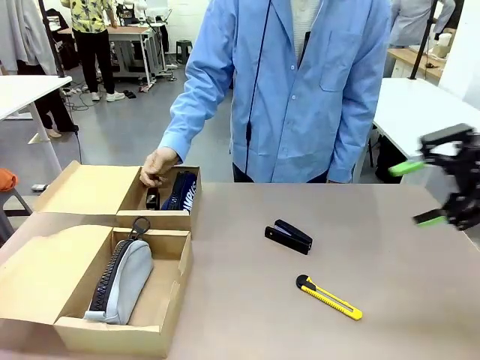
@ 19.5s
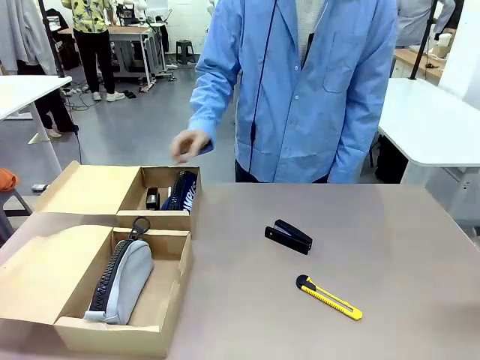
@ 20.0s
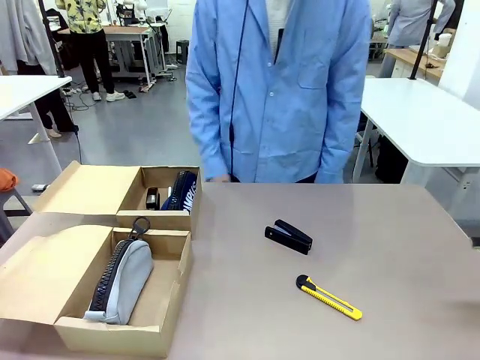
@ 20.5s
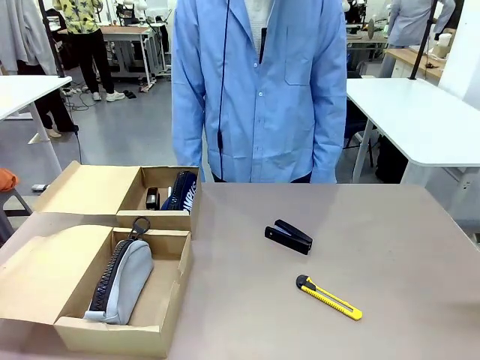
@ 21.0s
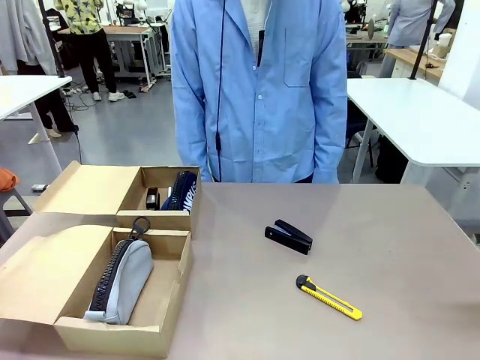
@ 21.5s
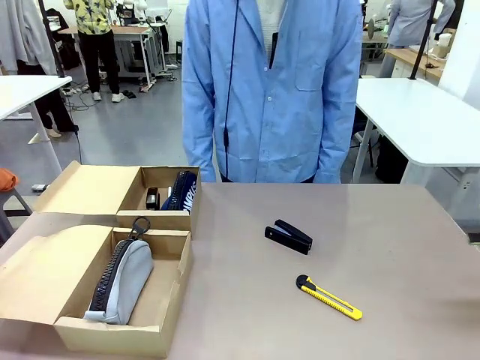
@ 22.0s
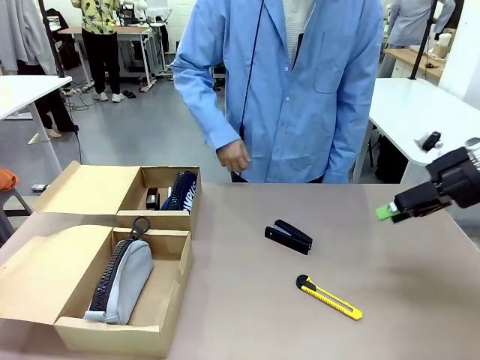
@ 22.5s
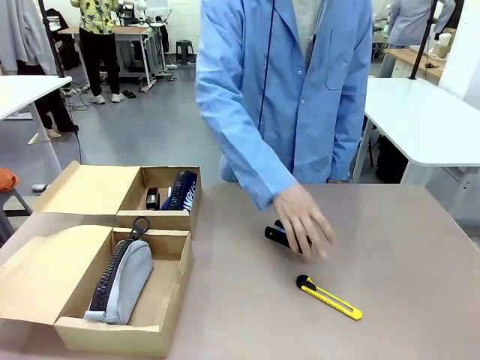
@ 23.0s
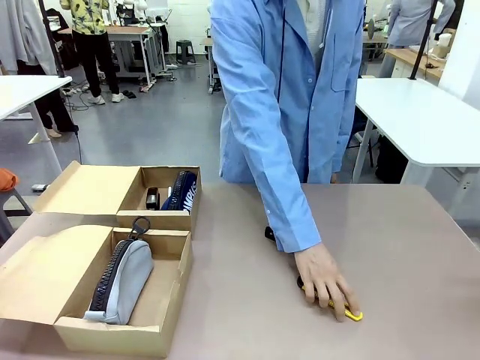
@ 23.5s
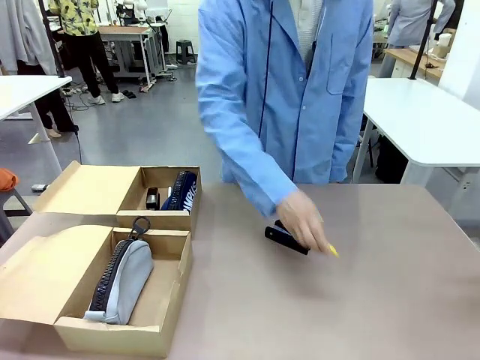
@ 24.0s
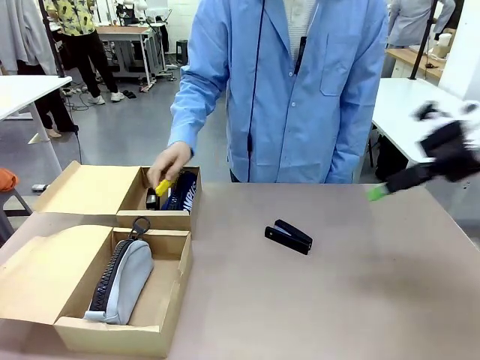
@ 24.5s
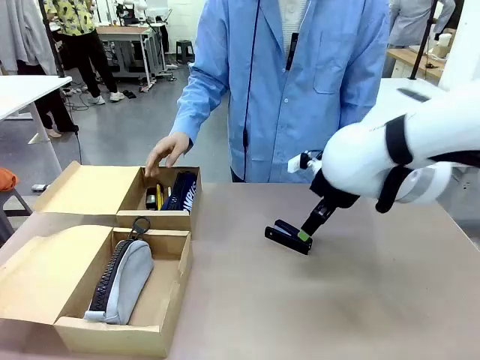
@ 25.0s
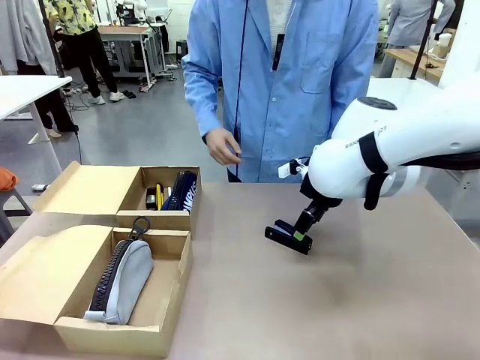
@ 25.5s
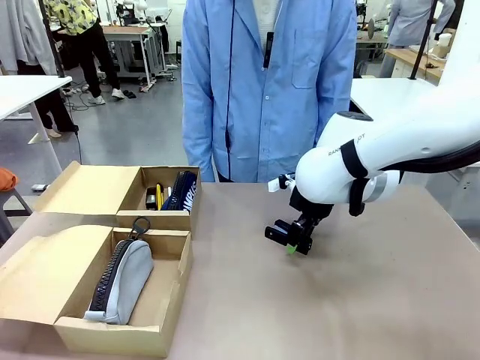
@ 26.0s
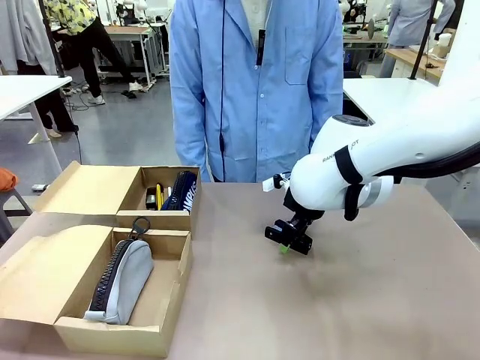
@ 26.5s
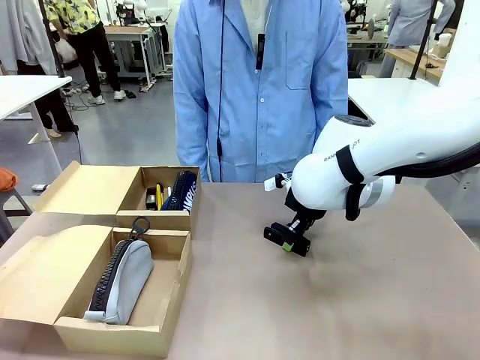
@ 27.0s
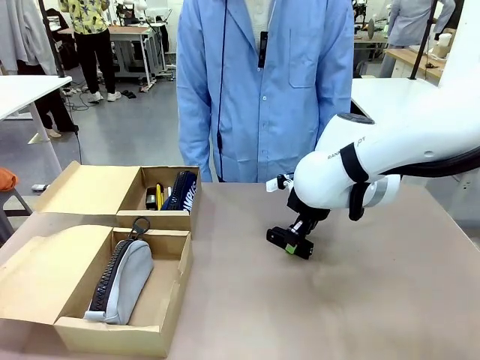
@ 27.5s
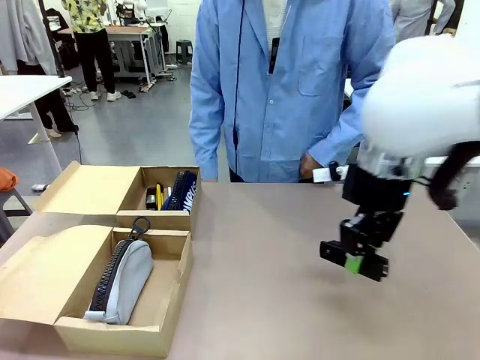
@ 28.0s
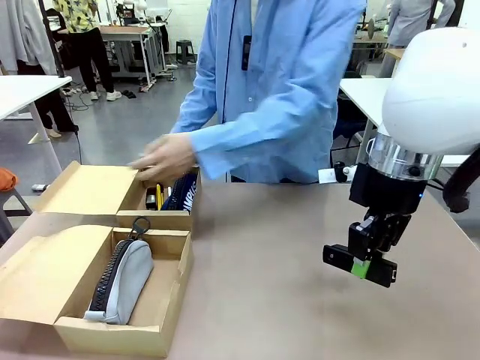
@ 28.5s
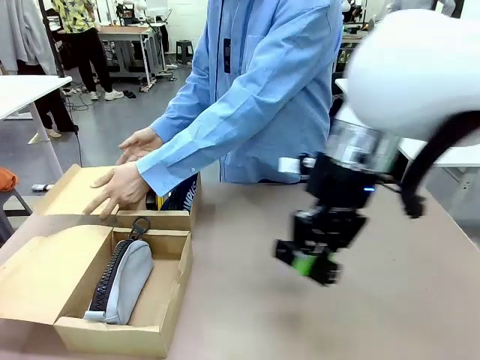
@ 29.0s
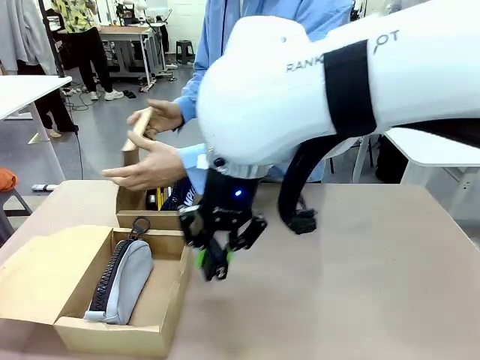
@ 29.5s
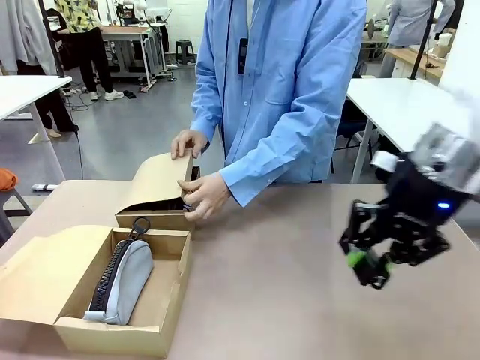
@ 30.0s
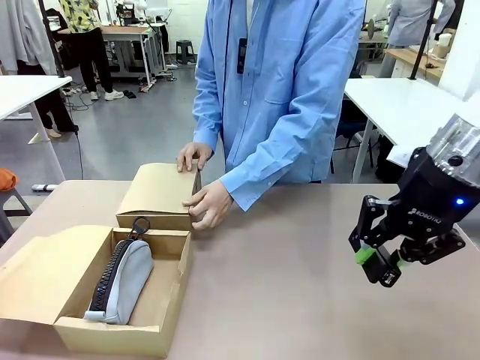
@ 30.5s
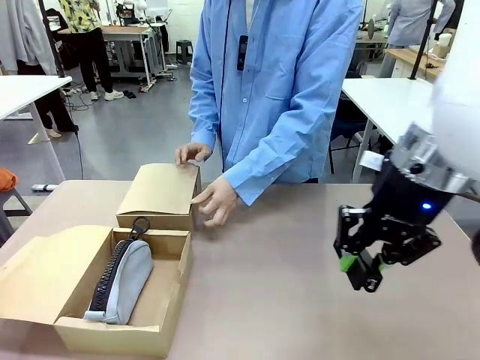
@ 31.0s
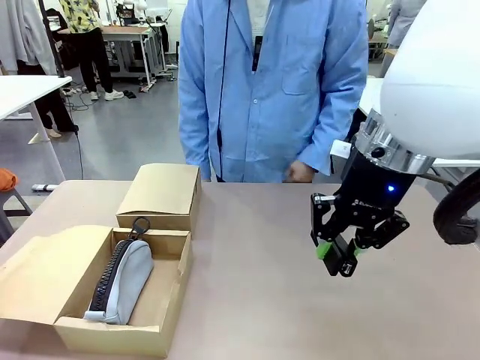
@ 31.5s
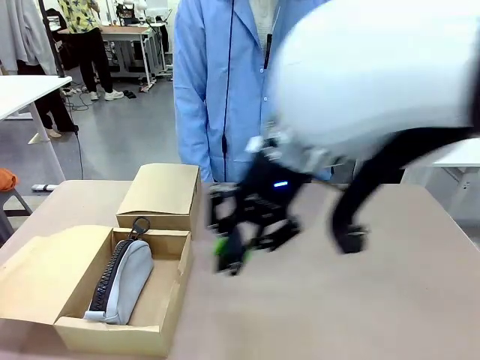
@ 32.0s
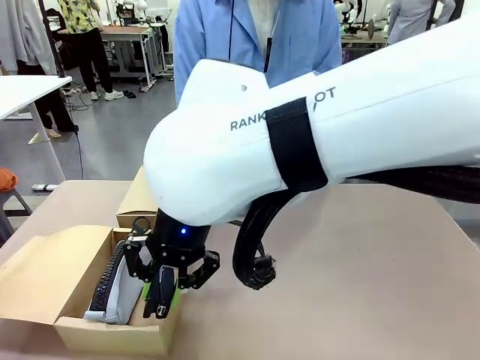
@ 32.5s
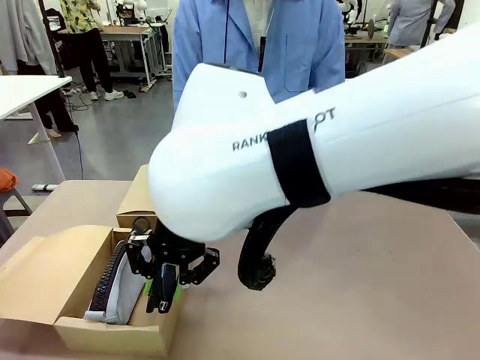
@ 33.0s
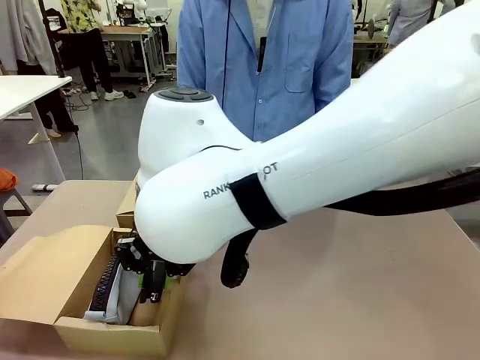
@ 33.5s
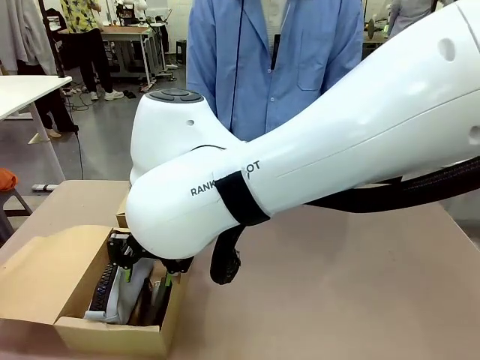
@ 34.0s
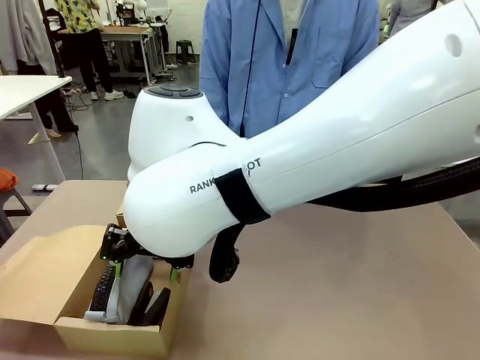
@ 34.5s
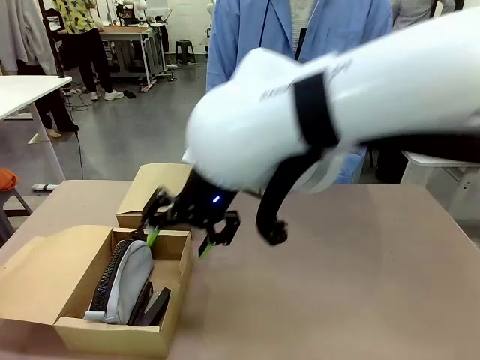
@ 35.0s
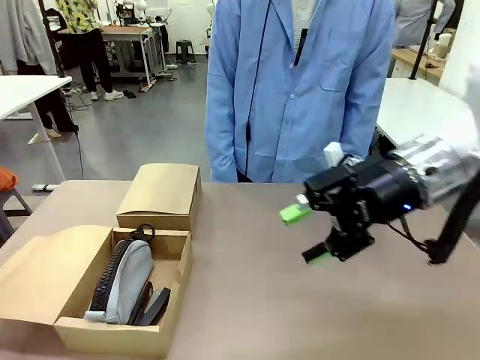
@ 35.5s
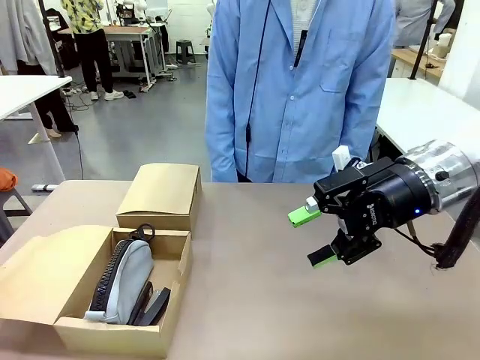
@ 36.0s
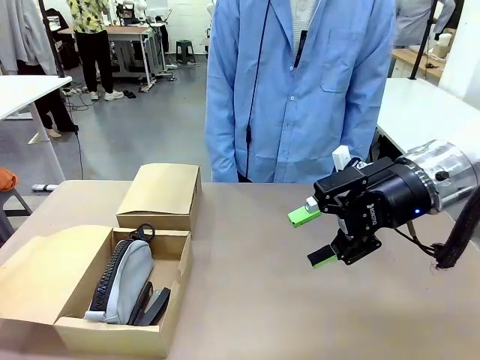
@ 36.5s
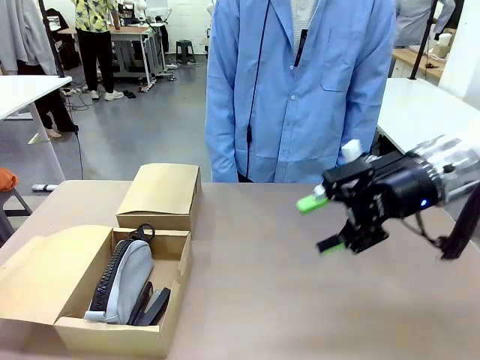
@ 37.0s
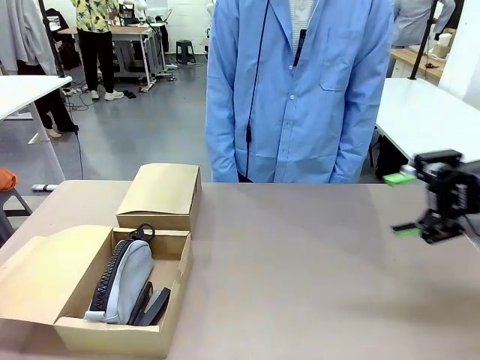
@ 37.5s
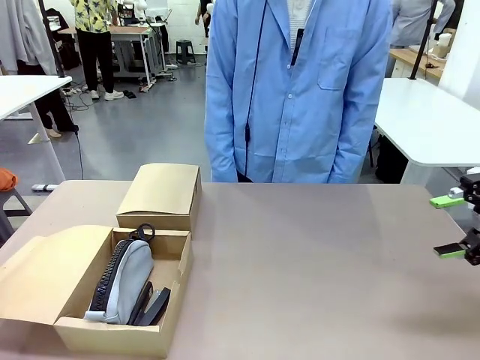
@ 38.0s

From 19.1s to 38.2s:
Task: Place items inside the box.
Robot: Pick up a Pencil pouch or Stapler and place it inside the Mailer Box closest to the robot.
Person: Close the lid of the box facing the person.

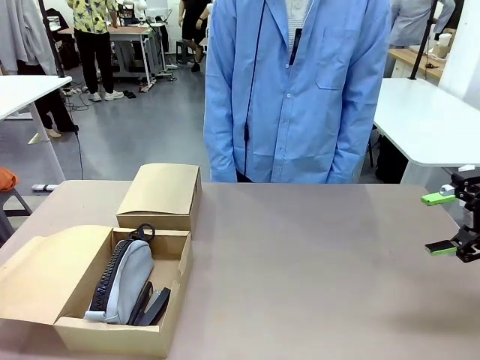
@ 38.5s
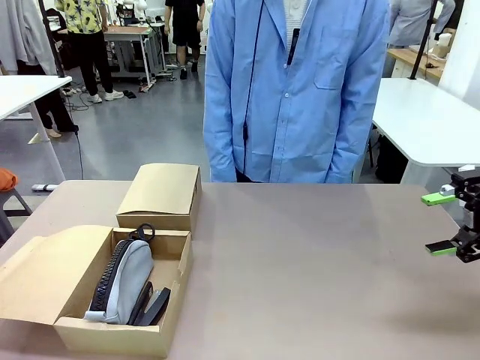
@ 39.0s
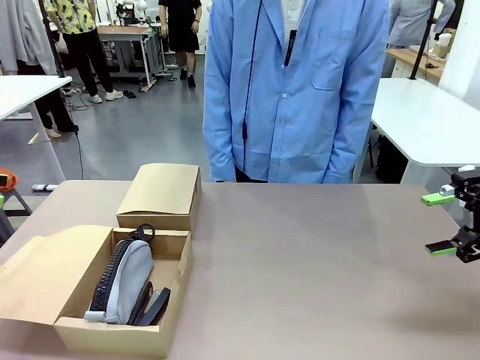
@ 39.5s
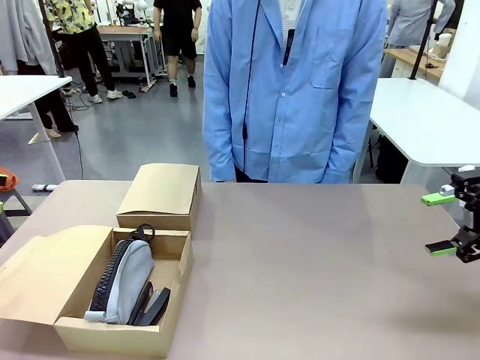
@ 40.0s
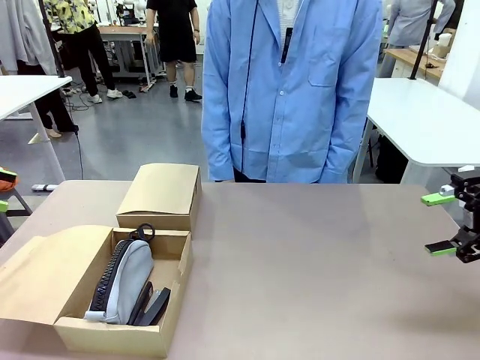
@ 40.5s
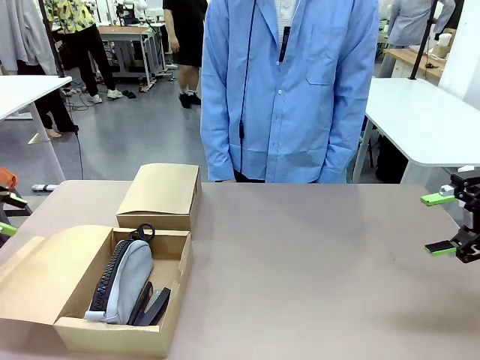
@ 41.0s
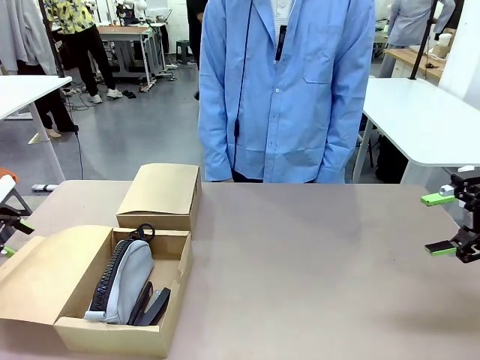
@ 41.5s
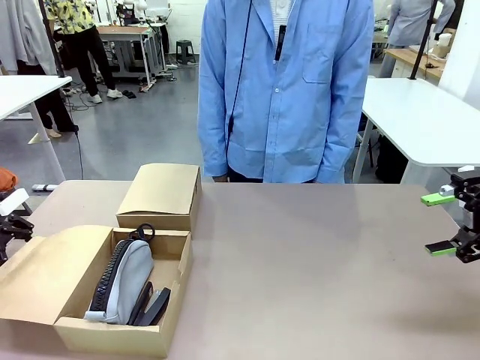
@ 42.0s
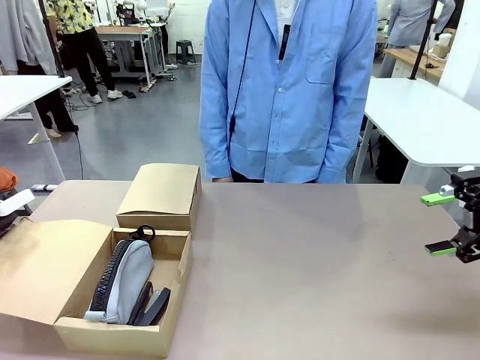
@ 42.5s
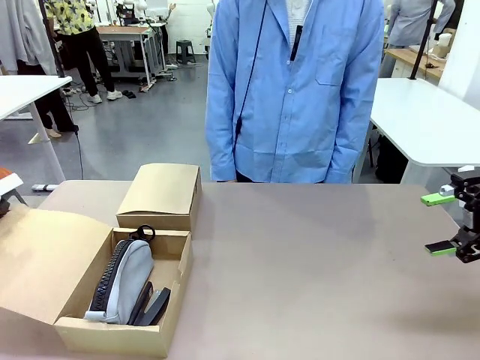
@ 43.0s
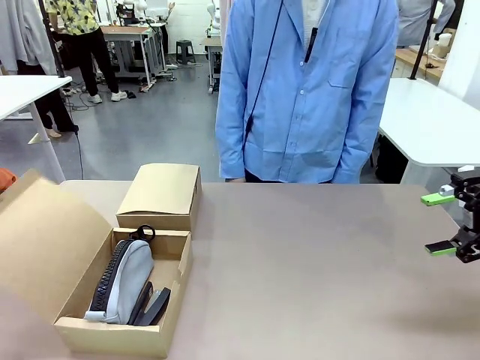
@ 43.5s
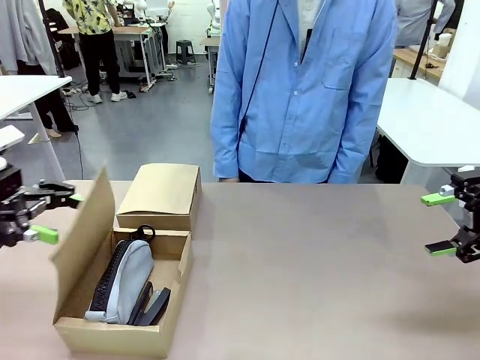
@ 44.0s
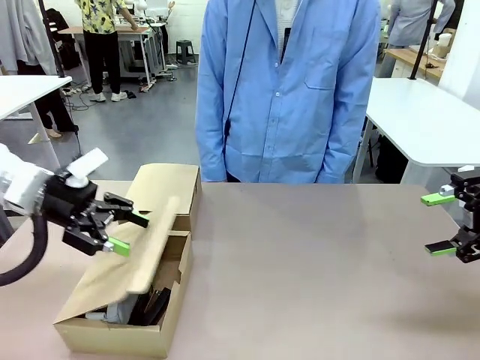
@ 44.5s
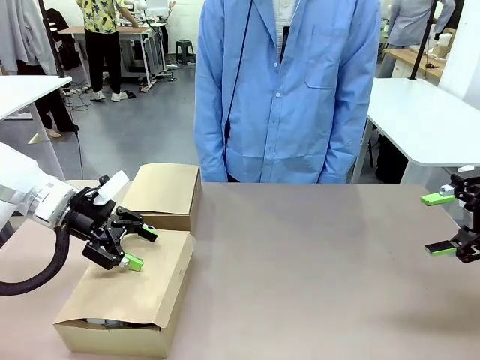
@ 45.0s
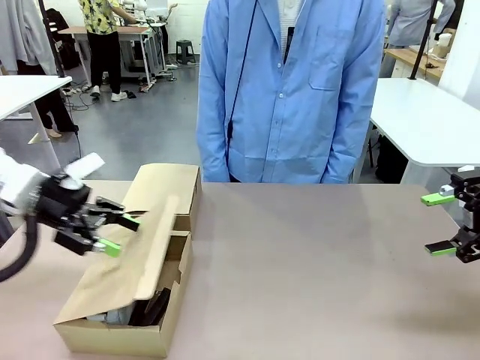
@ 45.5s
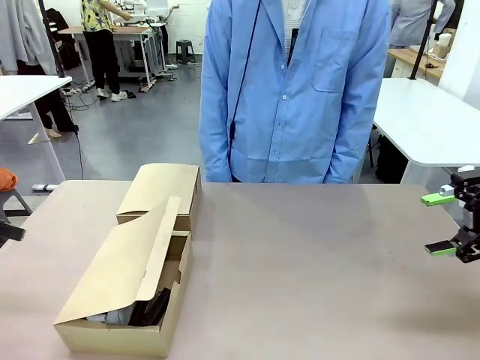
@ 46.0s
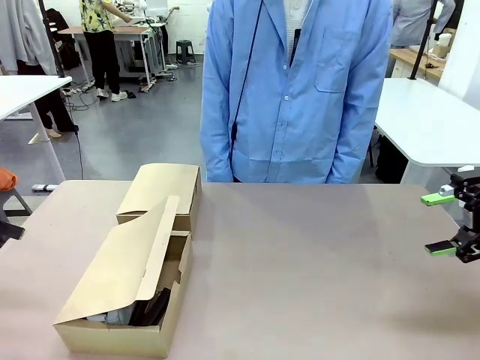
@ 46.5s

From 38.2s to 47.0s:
Robot: Close the lid of the Mailer Box closest to the robot.
